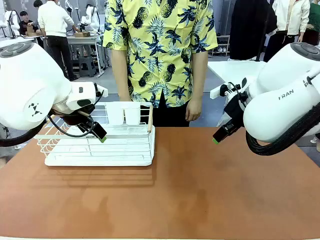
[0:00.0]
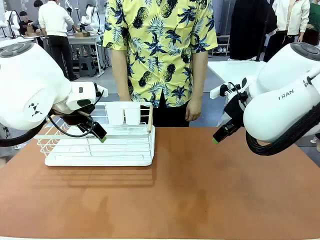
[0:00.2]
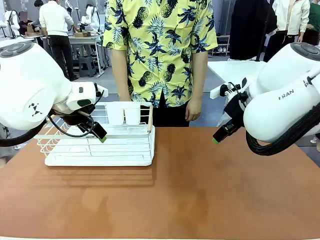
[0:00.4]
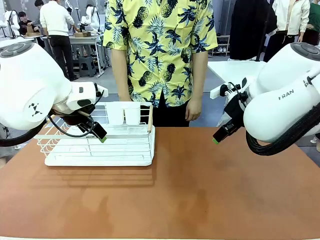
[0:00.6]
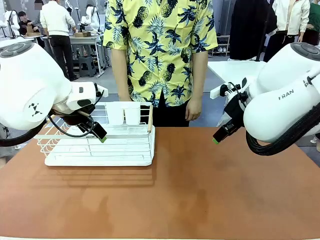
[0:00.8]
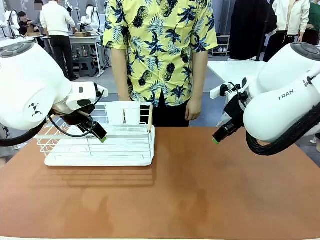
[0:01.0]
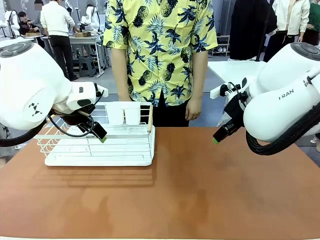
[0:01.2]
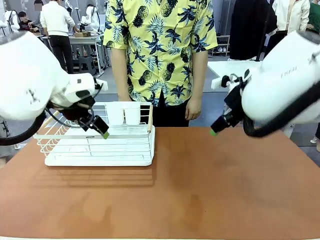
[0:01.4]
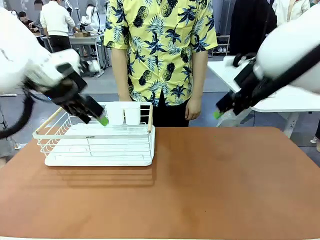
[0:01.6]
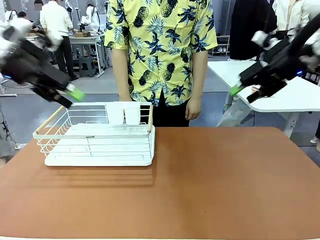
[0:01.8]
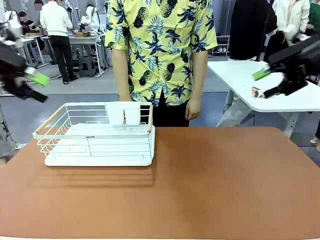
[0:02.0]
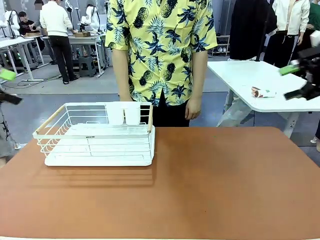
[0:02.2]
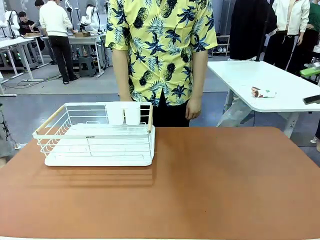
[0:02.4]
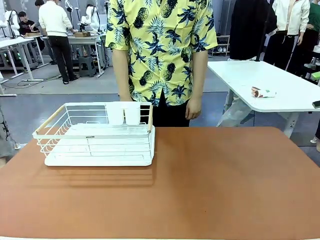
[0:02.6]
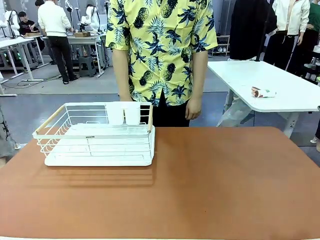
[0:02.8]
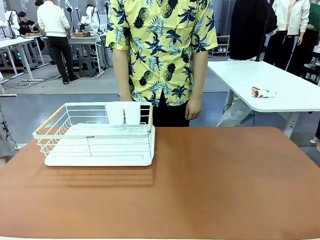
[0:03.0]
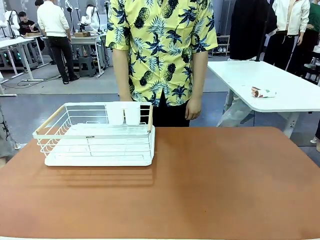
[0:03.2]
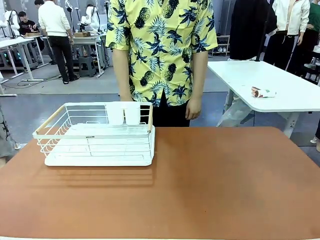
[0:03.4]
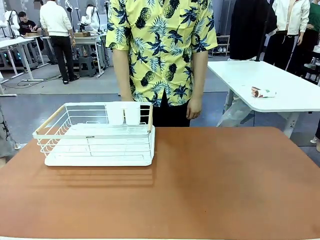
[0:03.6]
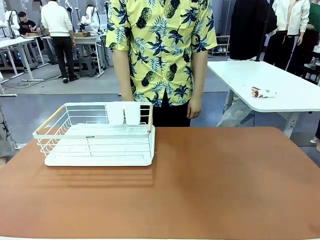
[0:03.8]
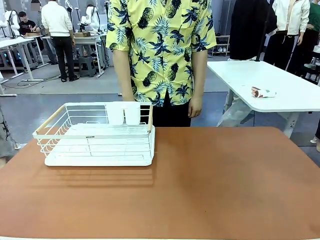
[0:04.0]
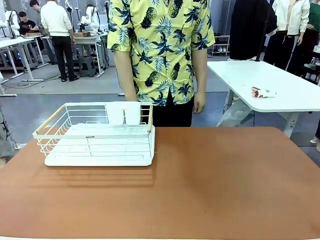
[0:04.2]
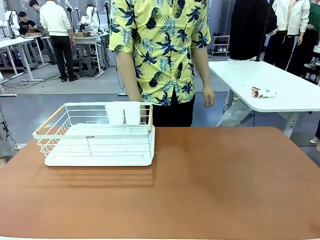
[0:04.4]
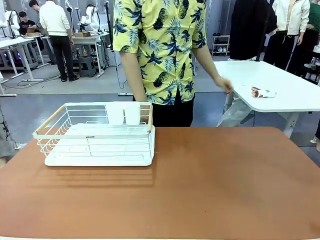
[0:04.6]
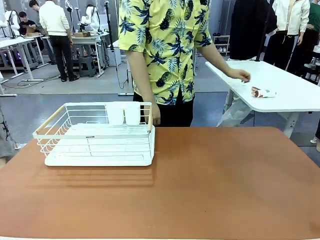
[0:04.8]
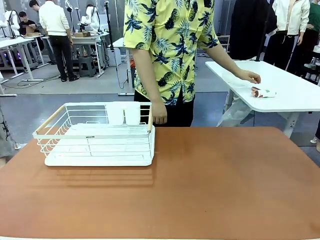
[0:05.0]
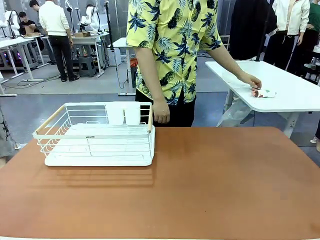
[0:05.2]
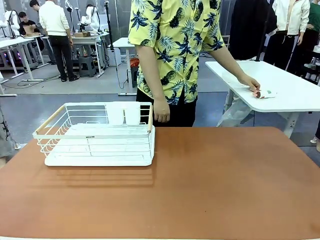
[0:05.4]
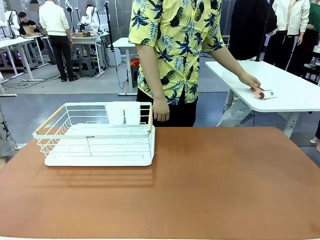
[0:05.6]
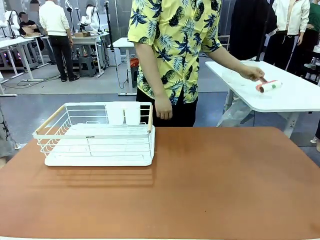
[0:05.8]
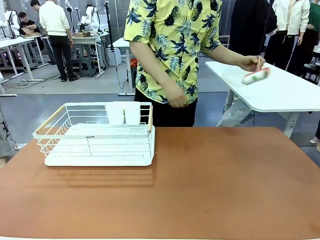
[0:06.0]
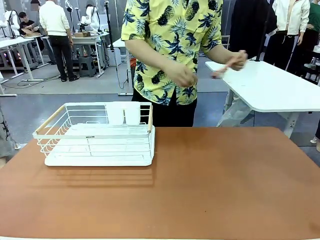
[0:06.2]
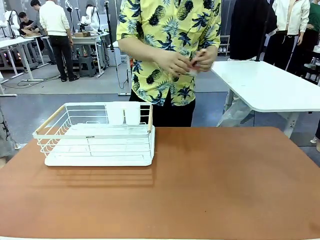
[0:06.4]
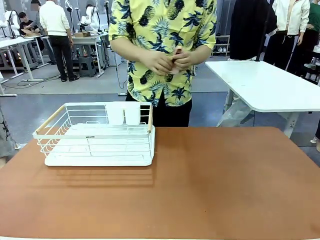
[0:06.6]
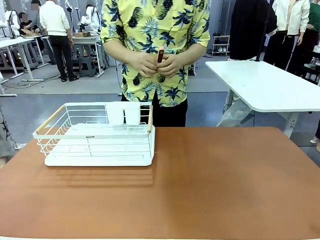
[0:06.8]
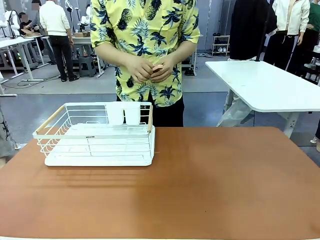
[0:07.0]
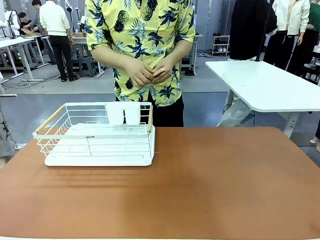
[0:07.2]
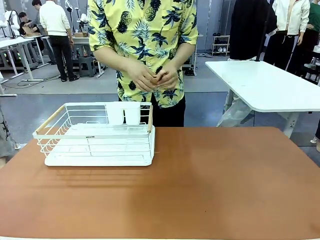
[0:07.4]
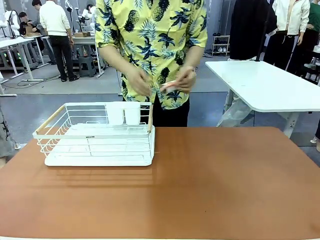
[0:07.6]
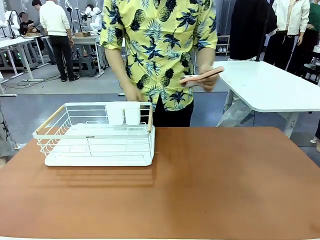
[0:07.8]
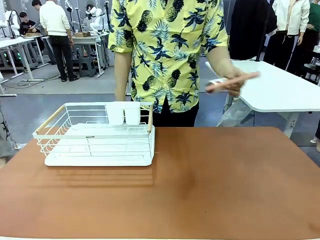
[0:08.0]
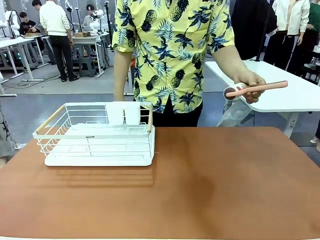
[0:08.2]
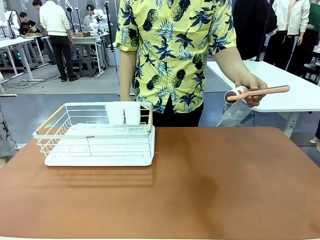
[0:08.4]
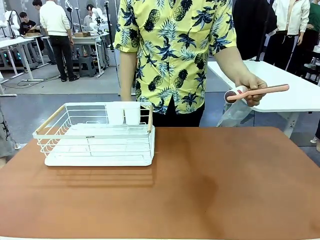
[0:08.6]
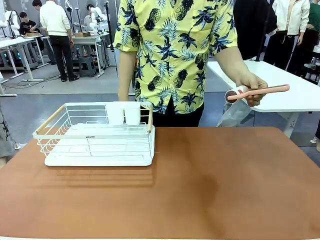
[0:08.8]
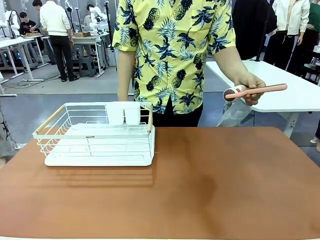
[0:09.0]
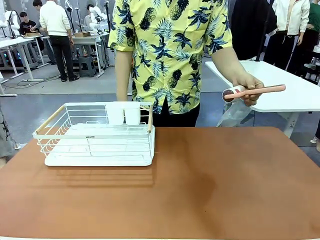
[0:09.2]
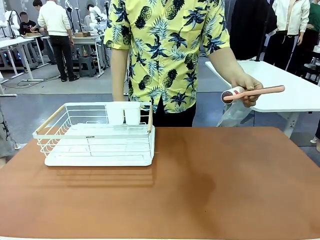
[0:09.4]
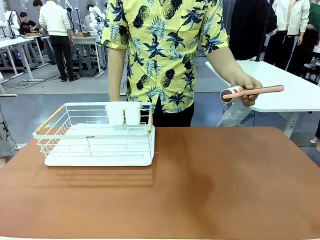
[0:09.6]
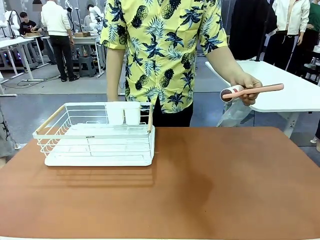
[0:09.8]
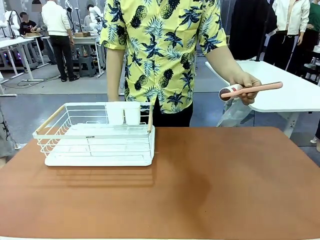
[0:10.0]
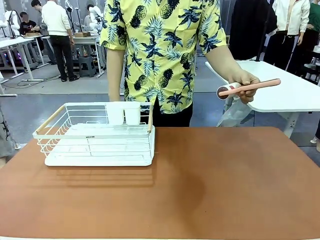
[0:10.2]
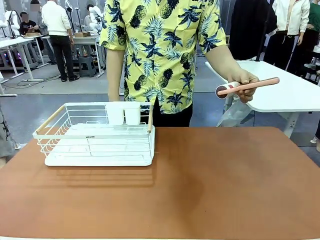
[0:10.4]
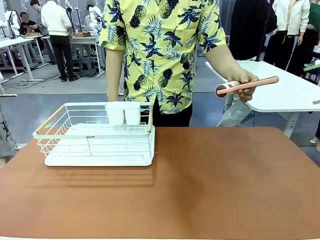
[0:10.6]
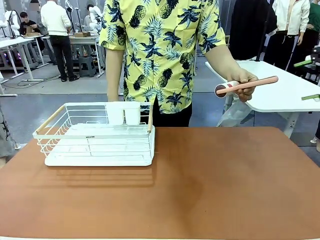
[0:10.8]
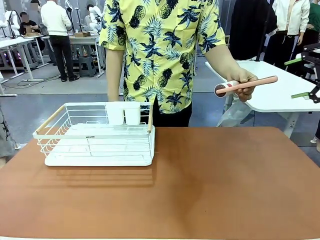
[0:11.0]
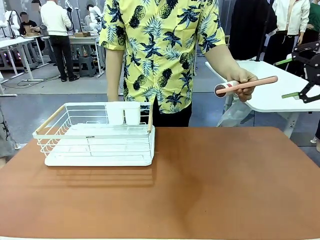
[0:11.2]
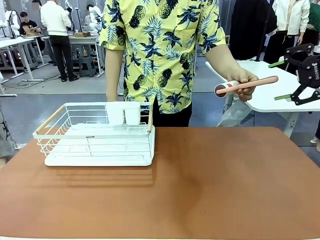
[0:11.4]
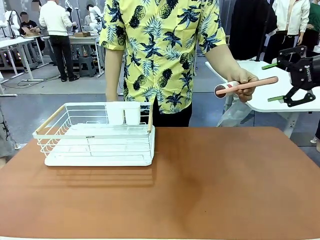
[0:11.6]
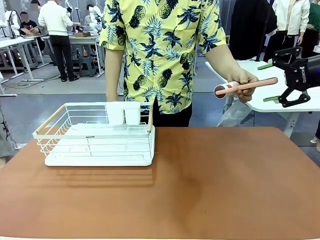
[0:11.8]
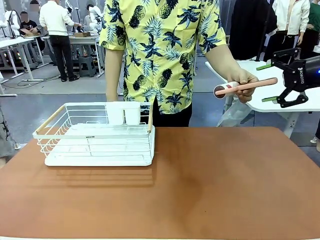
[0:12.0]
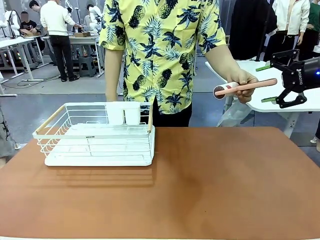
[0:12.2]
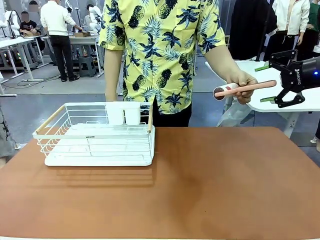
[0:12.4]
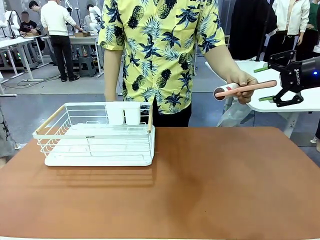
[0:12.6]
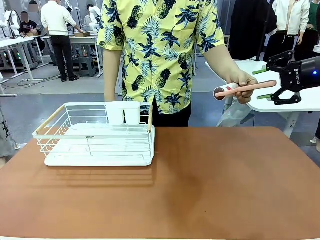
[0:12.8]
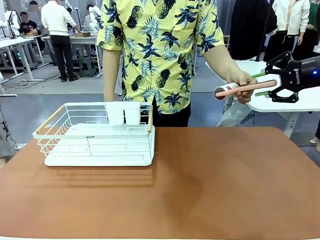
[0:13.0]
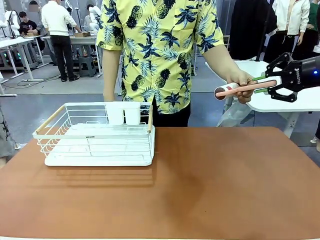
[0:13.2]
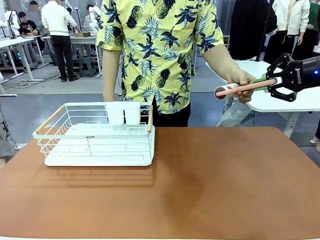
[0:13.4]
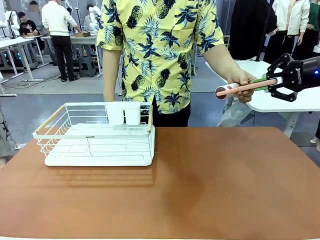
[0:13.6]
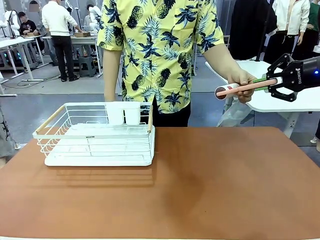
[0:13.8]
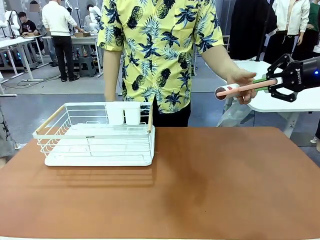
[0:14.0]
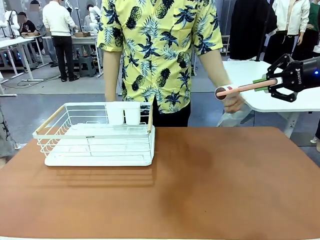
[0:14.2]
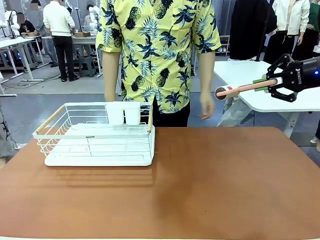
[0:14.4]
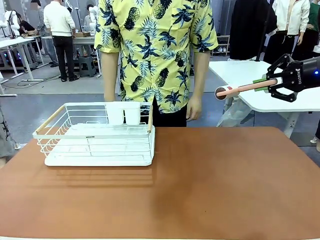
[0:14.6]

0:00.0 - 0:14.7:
Task: Clean the table.
Robot: Pick up the Lint Roller when the human hands it over.
Person: Hand the Lint Roller to the robot so it can easily pick it up. Lift the Dish drying rack.
